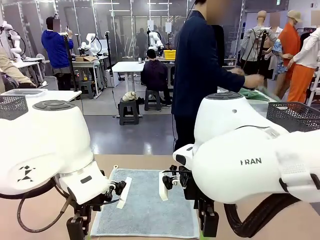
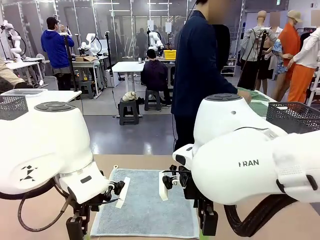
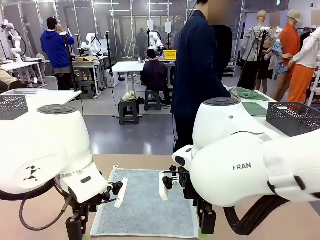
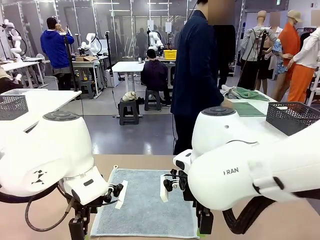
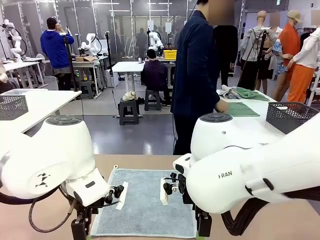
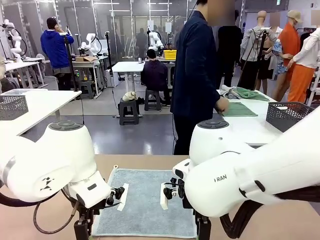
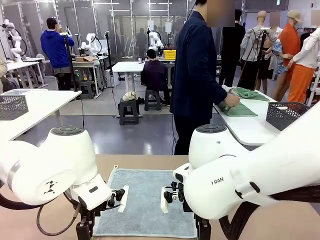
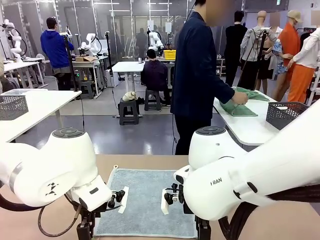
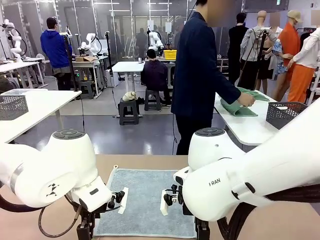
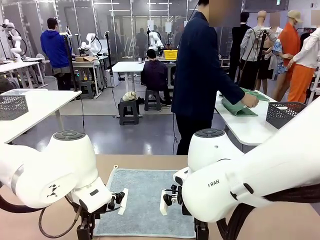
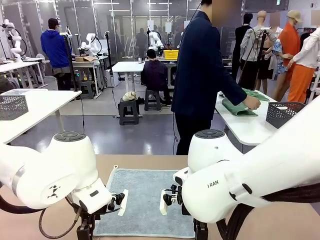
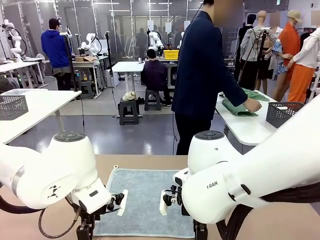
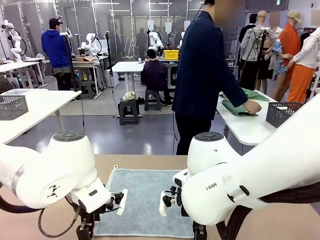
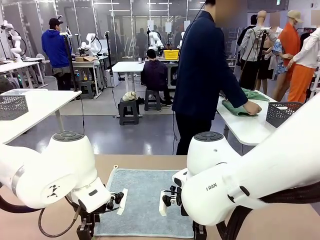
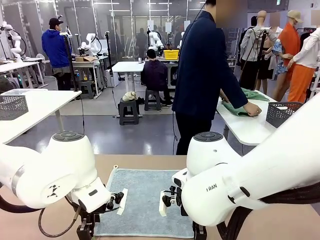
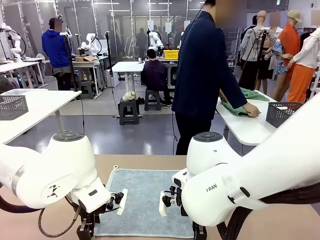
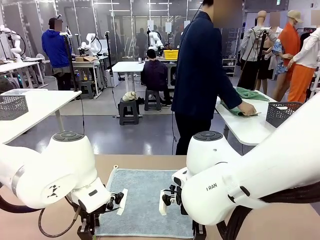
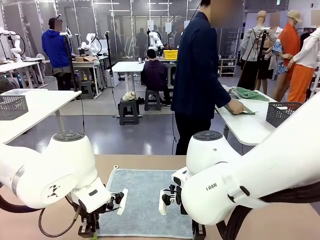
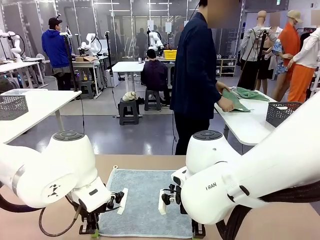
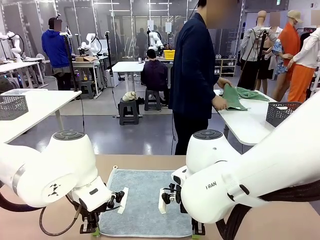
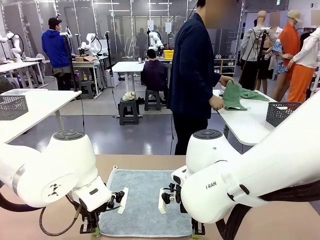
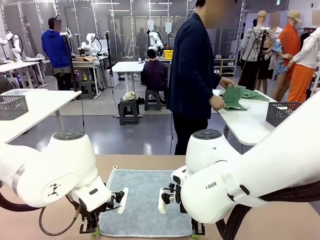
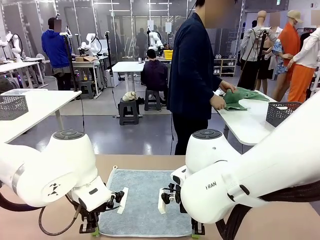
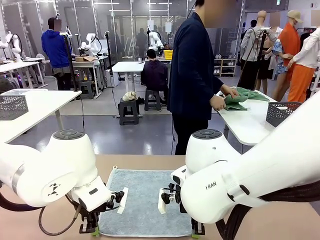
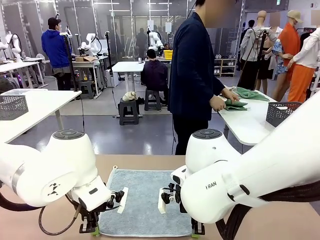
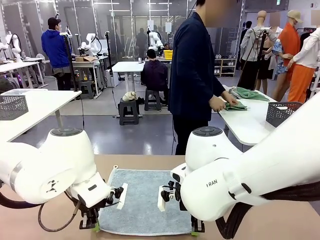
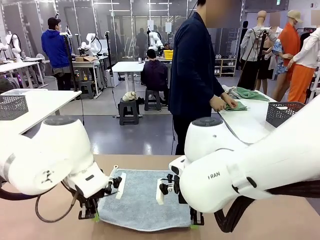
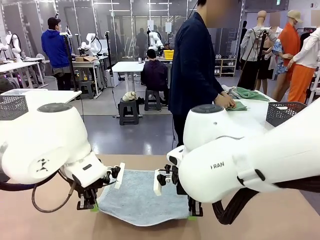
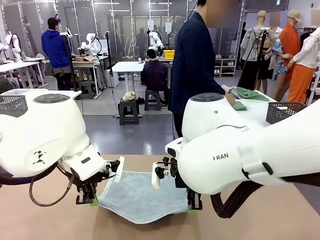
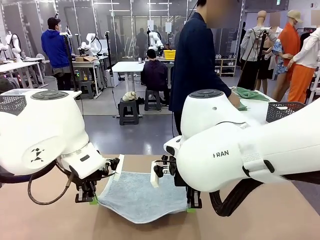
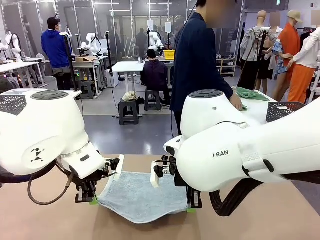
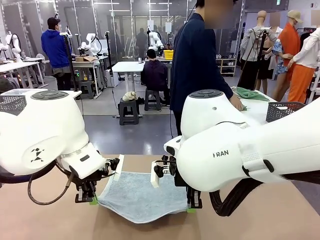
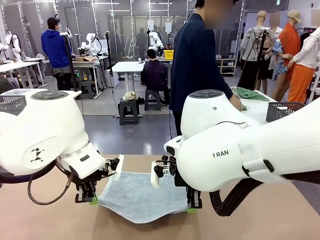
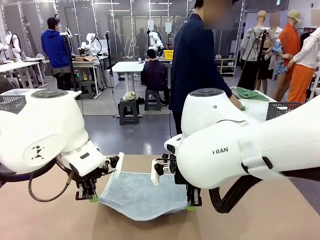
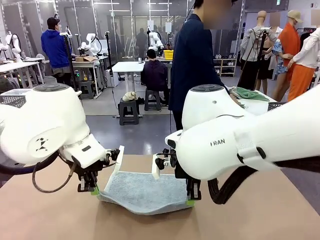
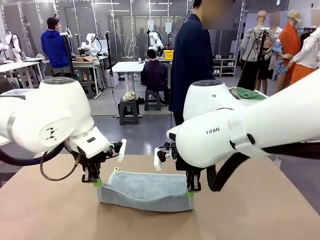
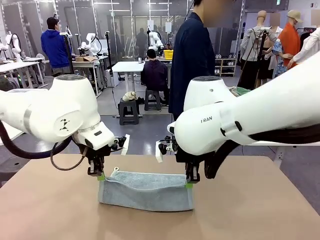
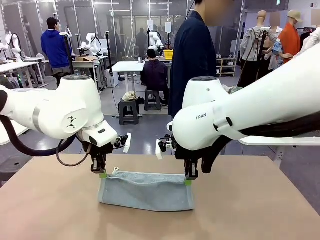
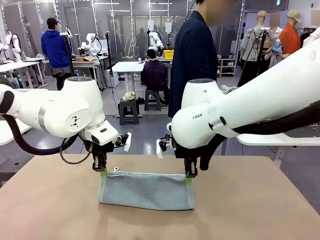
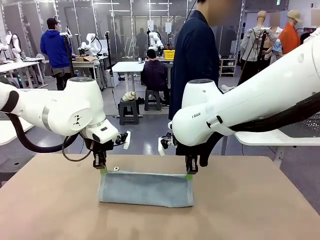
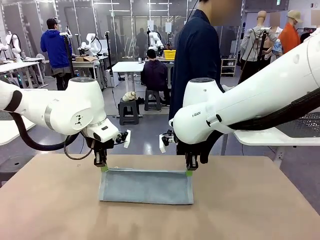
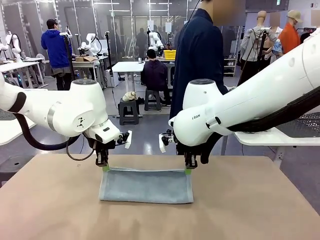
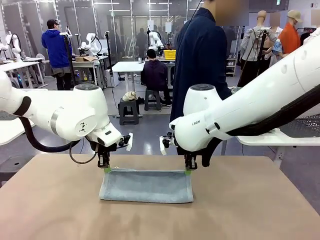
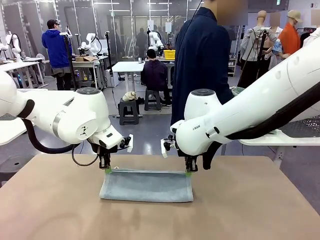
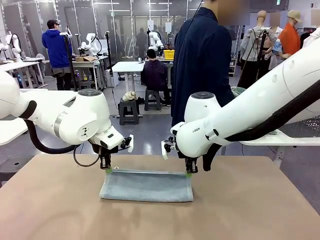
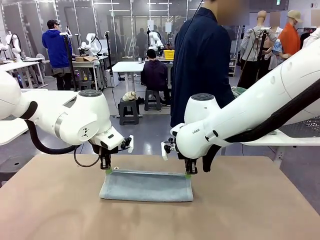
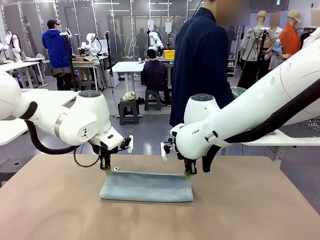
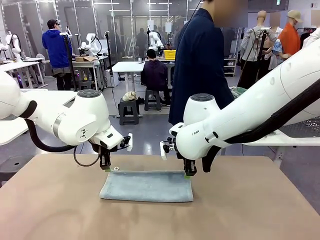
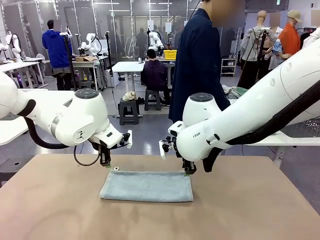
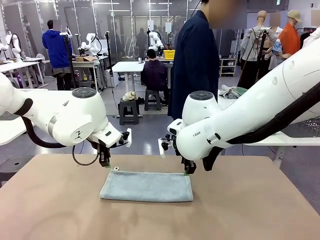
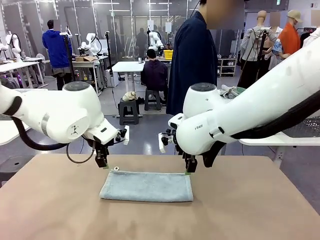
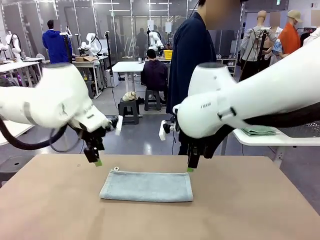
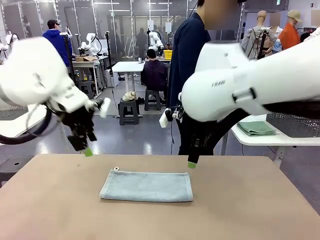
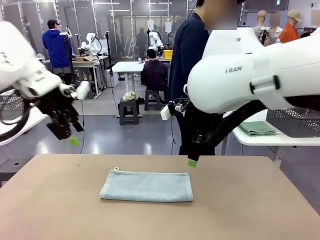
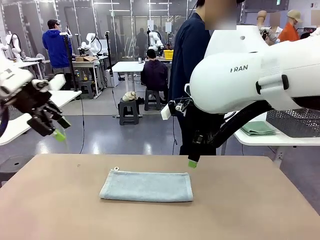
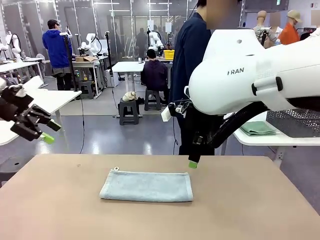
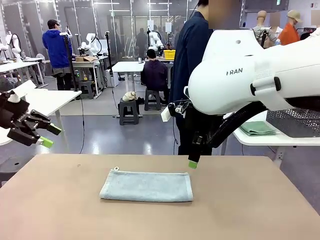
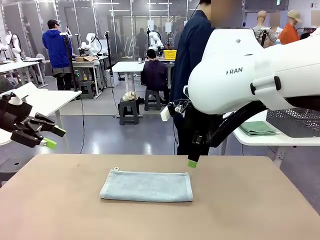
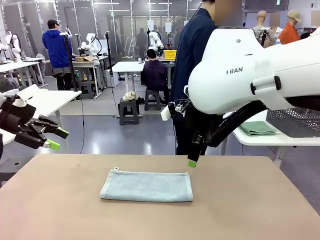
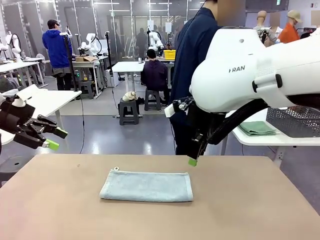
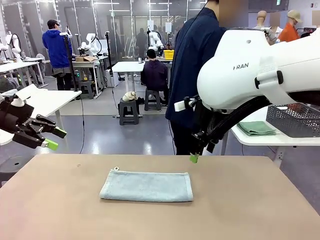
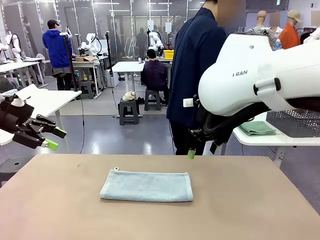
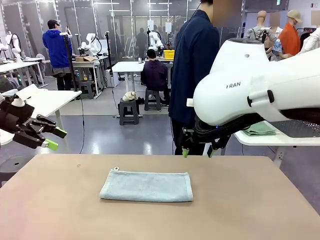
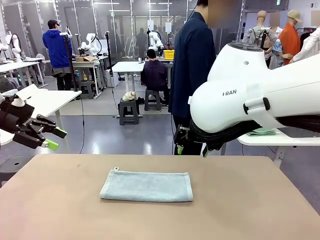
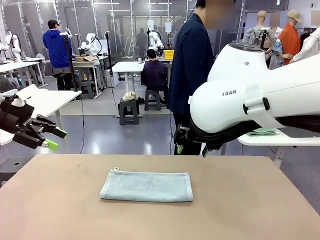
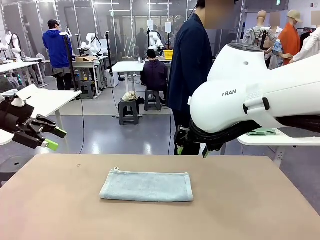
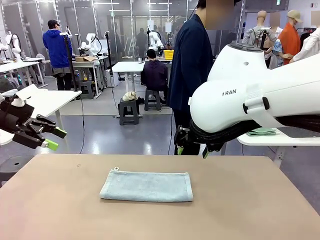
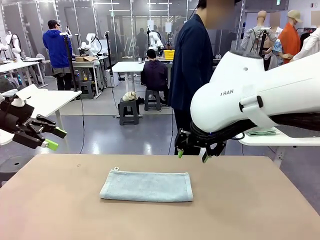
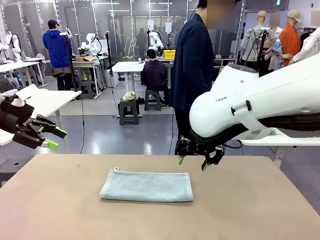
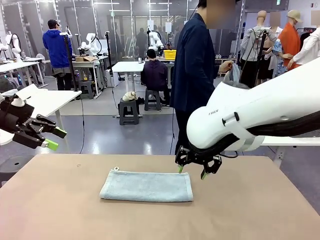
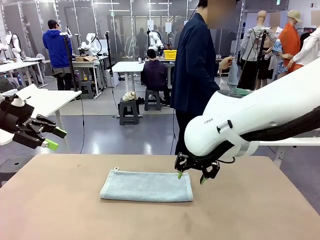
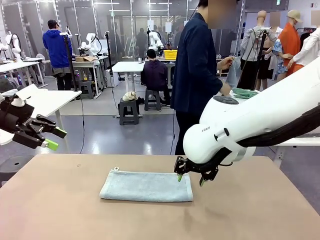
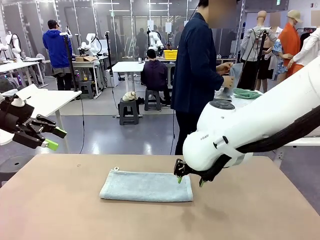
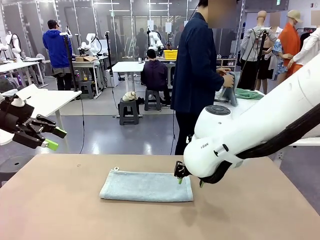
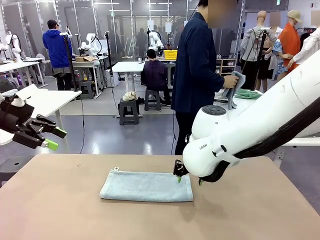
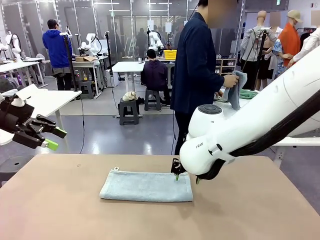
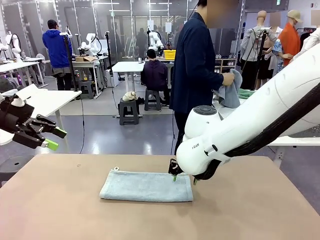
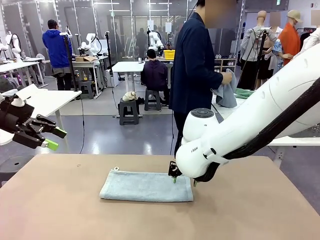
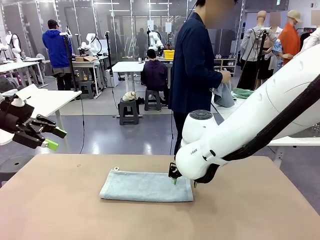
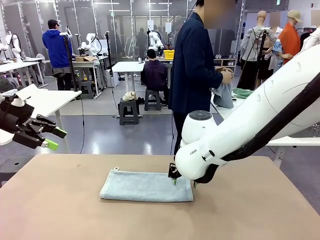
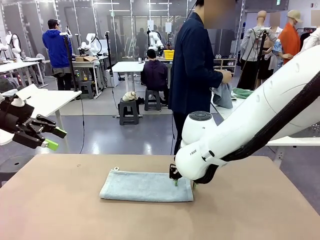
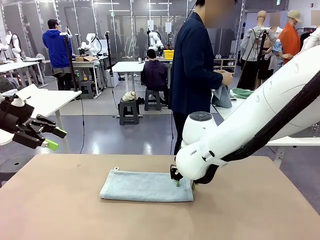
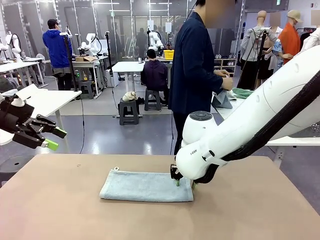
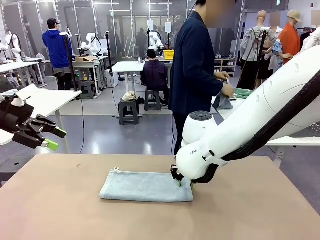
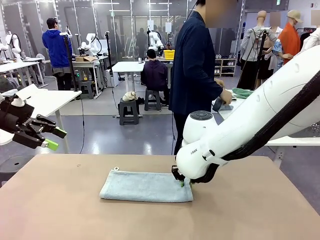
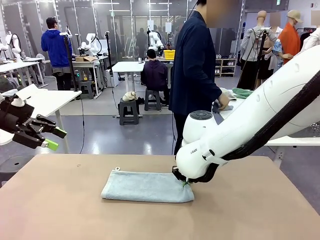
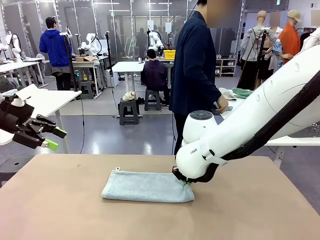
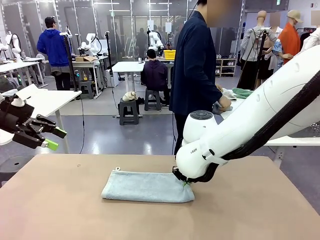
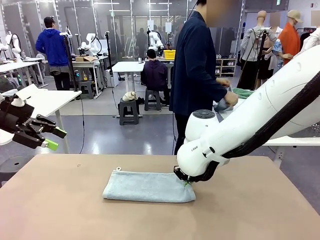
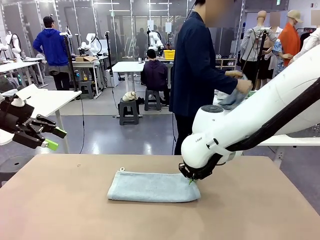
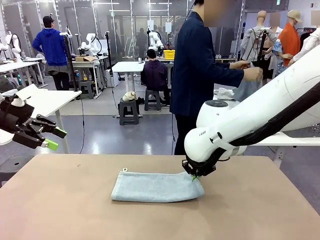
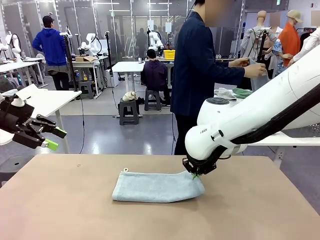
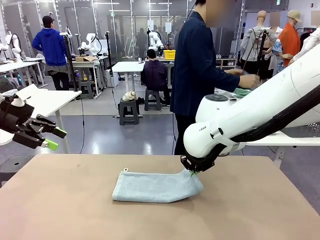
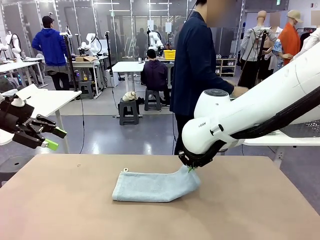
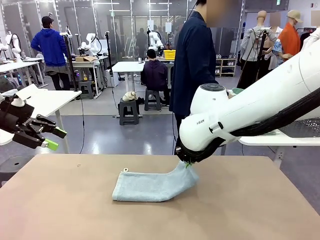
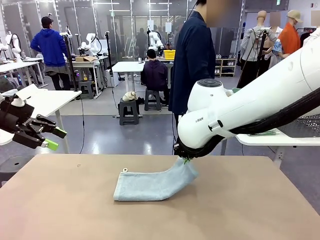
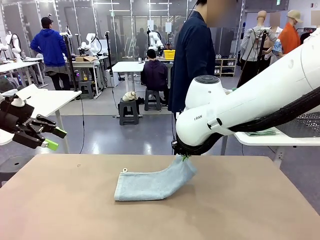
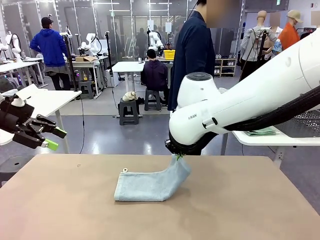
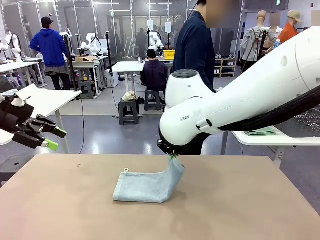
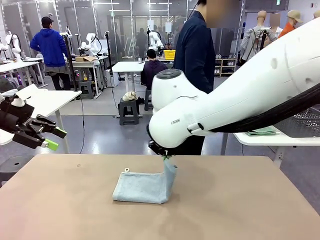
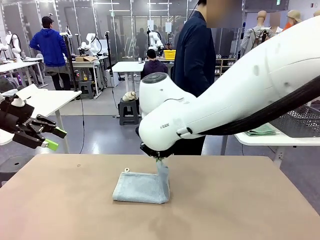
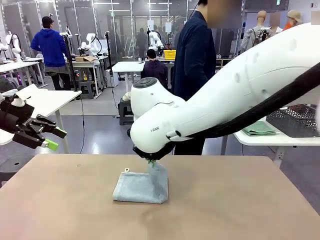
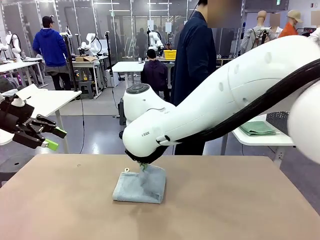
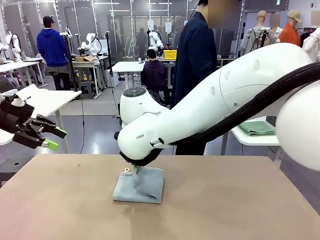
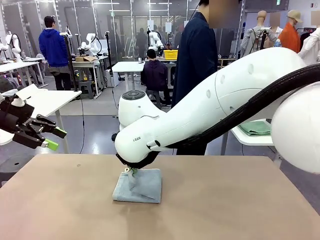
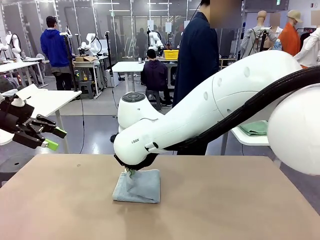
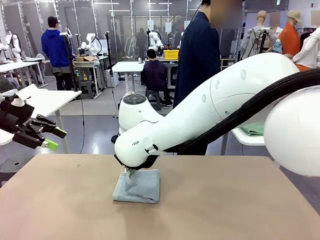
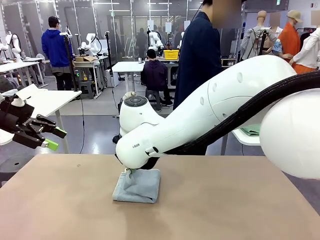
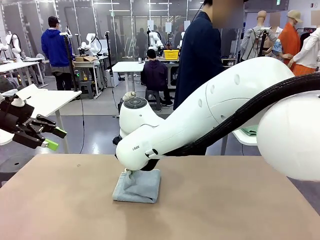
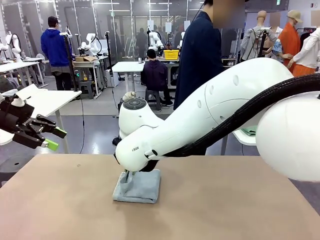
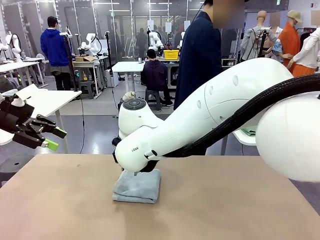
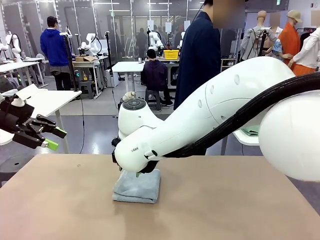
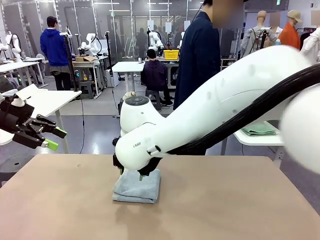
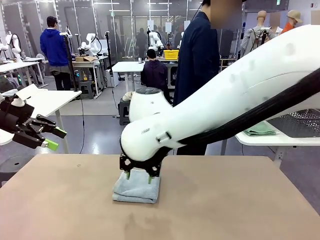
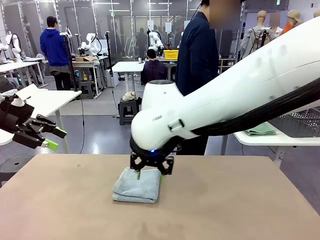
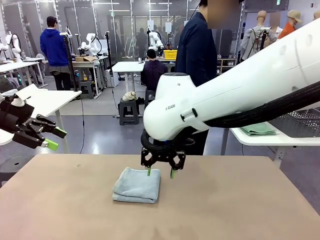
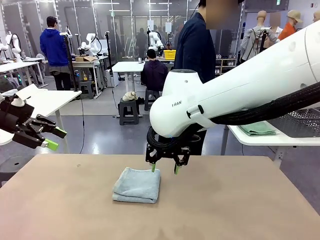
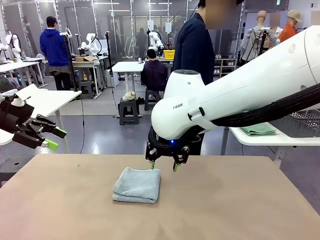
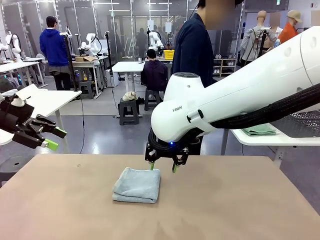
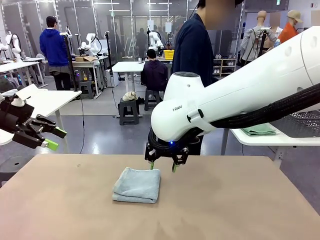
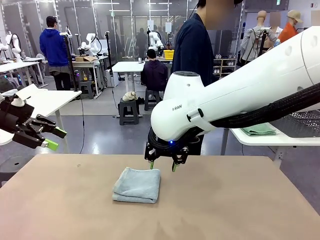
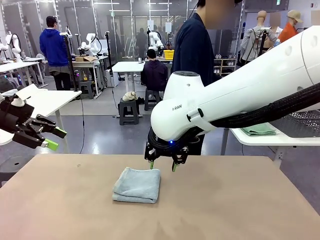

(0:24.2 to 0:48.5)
Task: Fold the towels and place them in the basket.
Robot: When a person lays out a Towel with hook on the table, fold it in half twice.
Person: Pick up one towel from the left side of the human table, fold it in half twice, and place it on the right side of the table. Pick up one towel from the left side of the human table, fold it in half twice, and stack it on the right side of the table.
